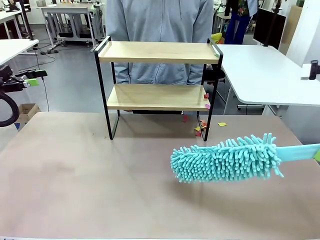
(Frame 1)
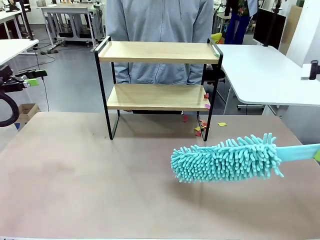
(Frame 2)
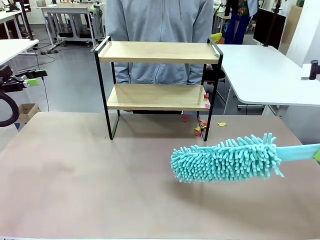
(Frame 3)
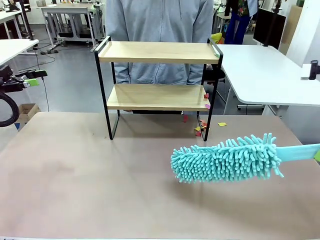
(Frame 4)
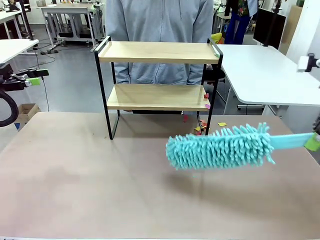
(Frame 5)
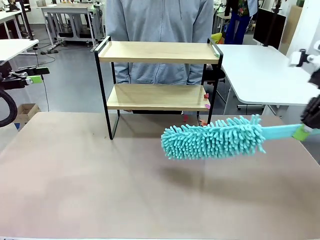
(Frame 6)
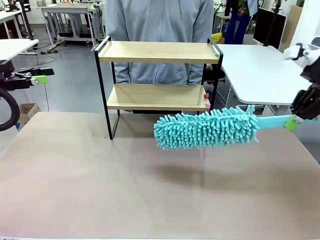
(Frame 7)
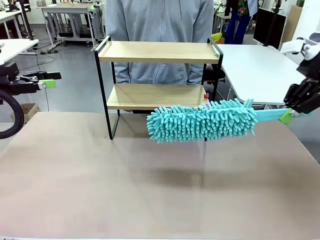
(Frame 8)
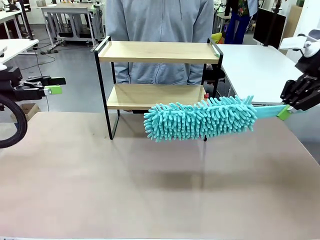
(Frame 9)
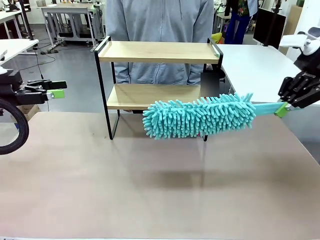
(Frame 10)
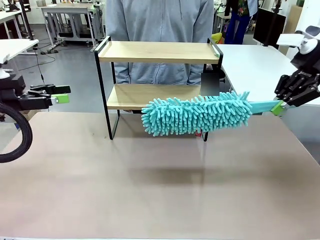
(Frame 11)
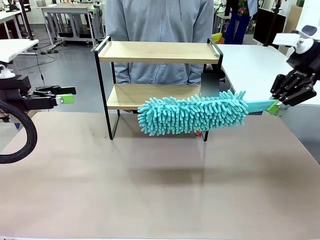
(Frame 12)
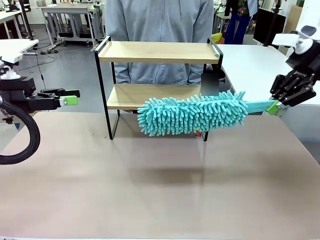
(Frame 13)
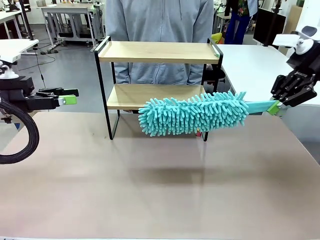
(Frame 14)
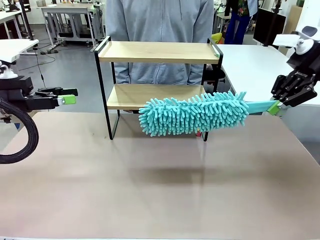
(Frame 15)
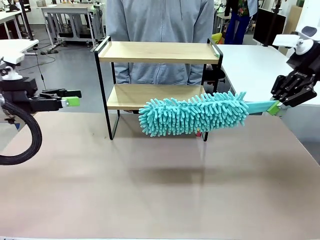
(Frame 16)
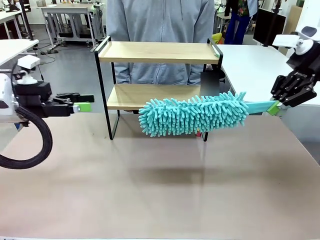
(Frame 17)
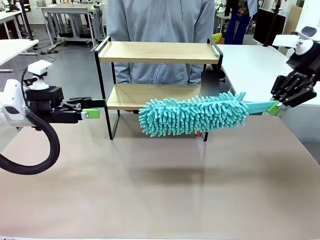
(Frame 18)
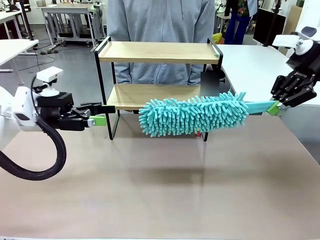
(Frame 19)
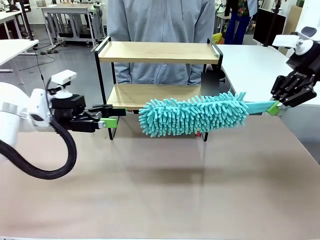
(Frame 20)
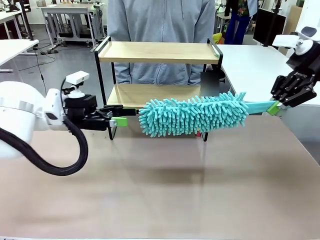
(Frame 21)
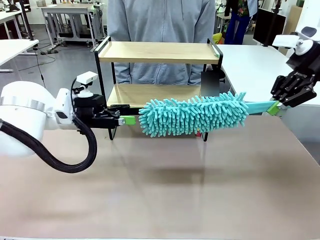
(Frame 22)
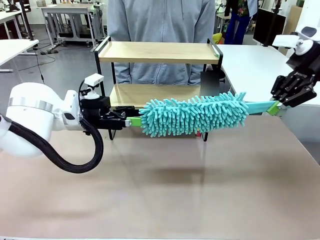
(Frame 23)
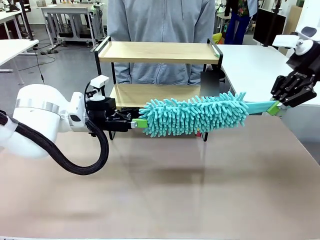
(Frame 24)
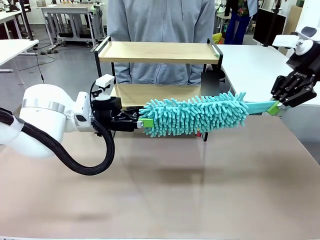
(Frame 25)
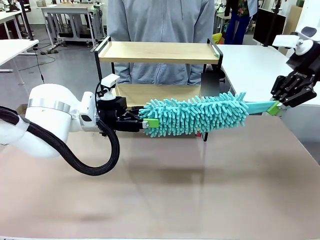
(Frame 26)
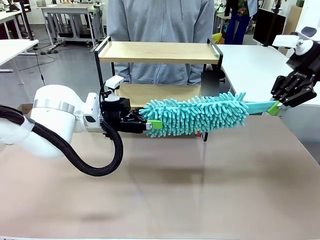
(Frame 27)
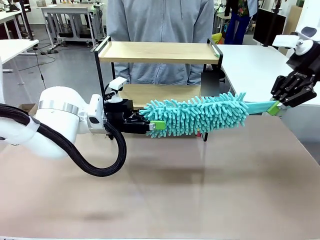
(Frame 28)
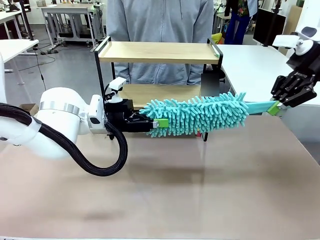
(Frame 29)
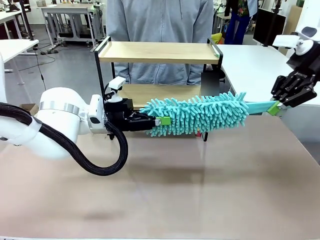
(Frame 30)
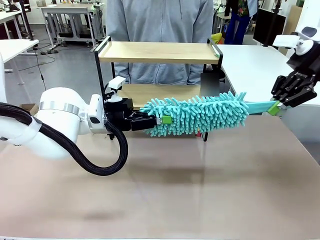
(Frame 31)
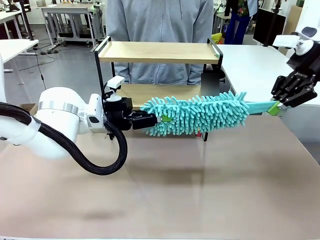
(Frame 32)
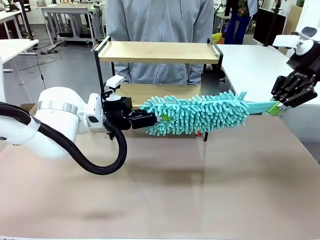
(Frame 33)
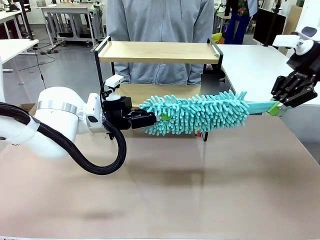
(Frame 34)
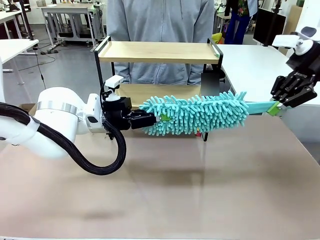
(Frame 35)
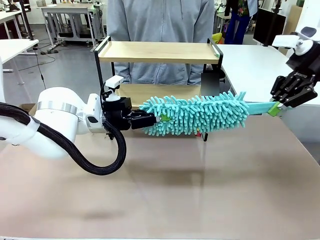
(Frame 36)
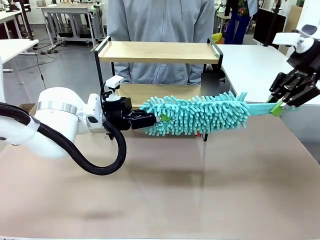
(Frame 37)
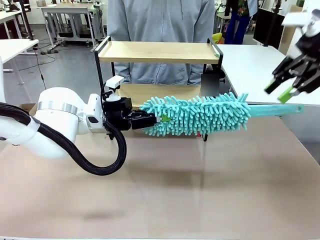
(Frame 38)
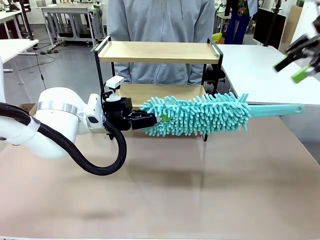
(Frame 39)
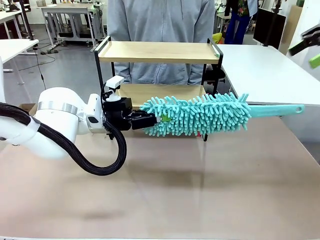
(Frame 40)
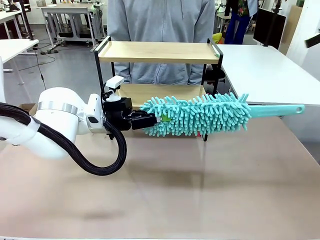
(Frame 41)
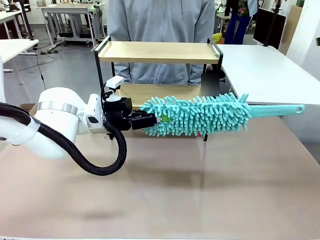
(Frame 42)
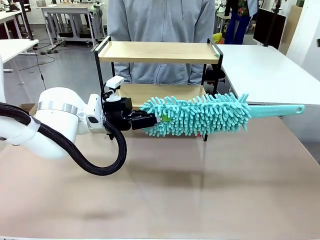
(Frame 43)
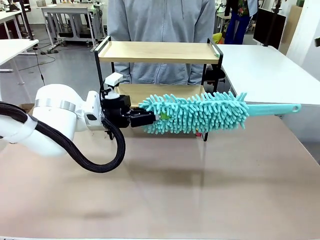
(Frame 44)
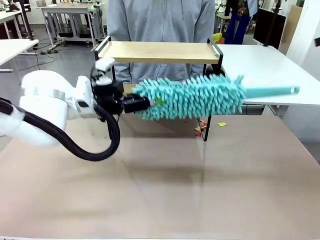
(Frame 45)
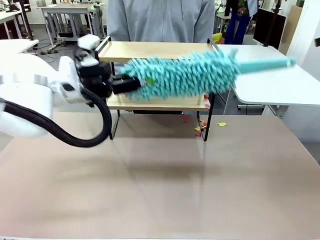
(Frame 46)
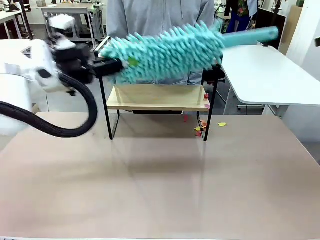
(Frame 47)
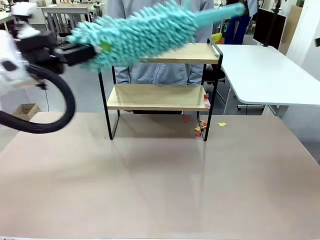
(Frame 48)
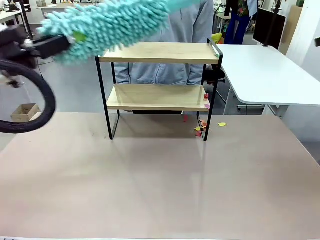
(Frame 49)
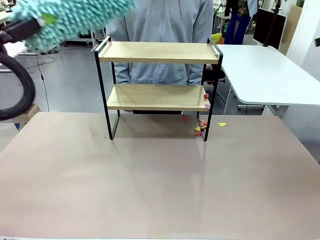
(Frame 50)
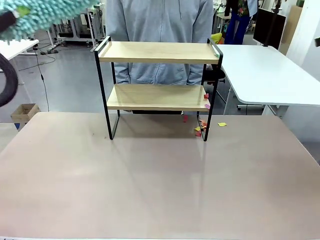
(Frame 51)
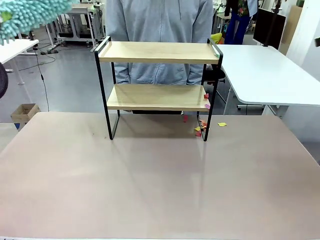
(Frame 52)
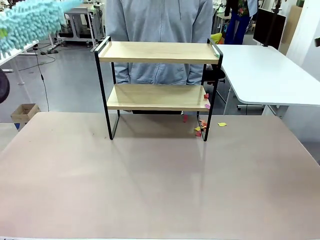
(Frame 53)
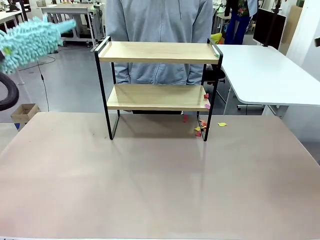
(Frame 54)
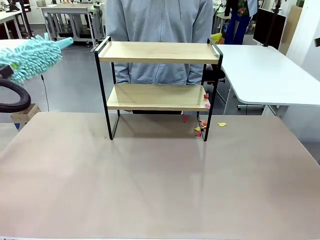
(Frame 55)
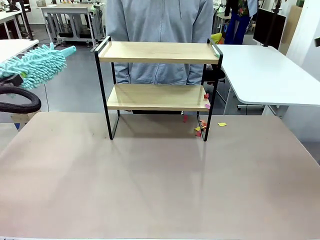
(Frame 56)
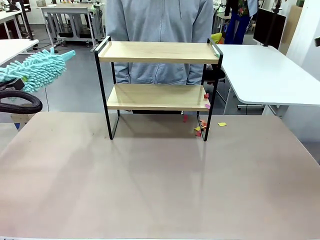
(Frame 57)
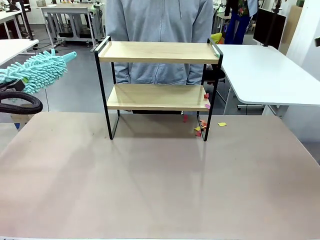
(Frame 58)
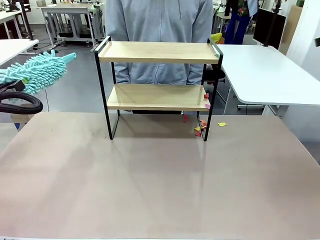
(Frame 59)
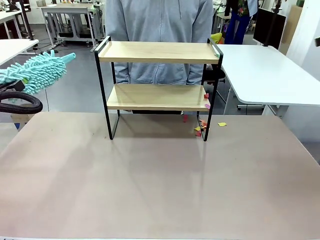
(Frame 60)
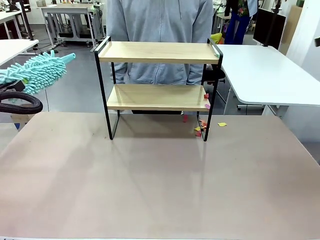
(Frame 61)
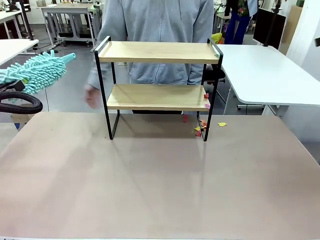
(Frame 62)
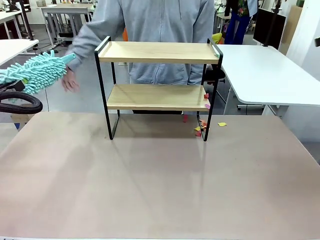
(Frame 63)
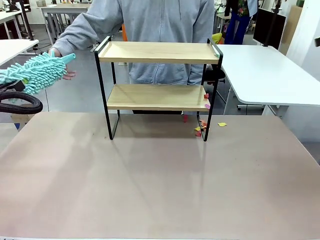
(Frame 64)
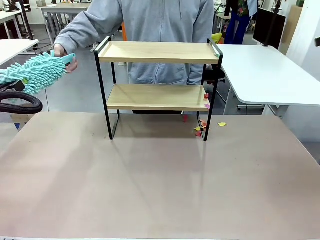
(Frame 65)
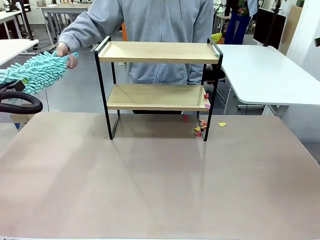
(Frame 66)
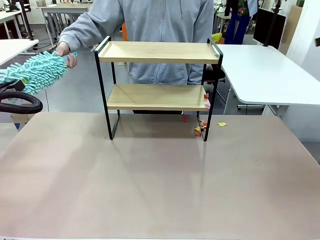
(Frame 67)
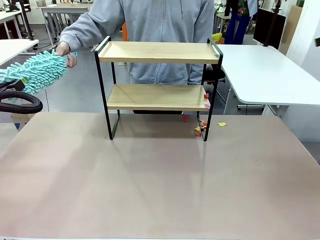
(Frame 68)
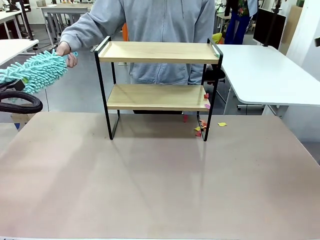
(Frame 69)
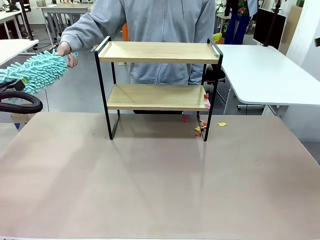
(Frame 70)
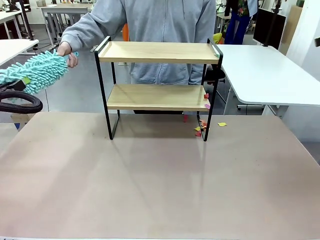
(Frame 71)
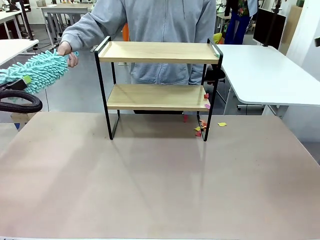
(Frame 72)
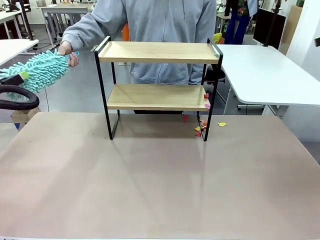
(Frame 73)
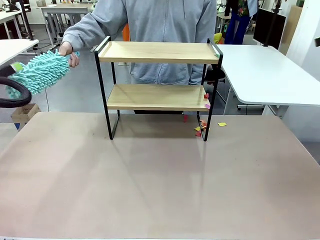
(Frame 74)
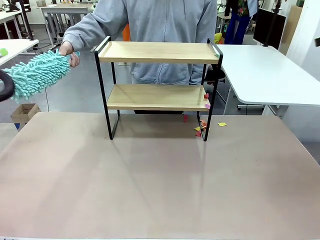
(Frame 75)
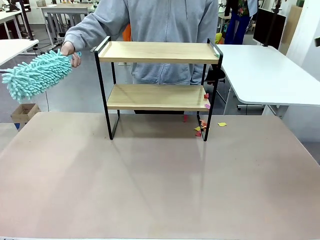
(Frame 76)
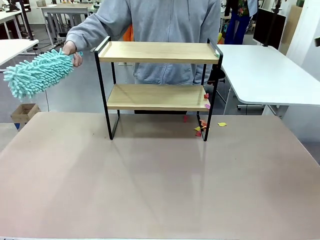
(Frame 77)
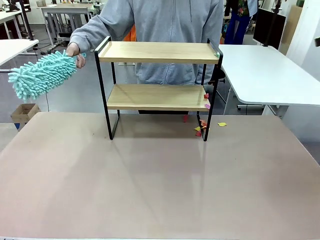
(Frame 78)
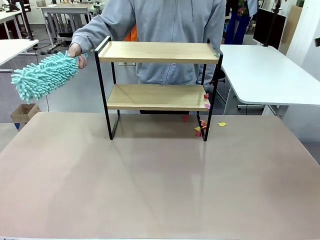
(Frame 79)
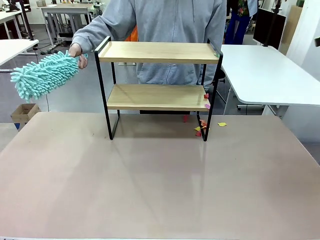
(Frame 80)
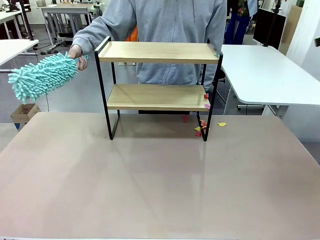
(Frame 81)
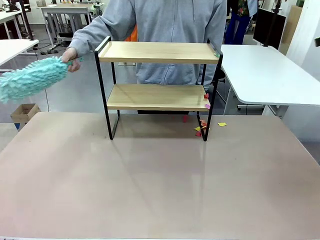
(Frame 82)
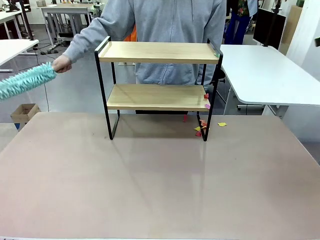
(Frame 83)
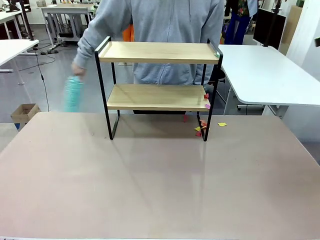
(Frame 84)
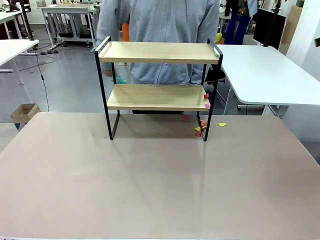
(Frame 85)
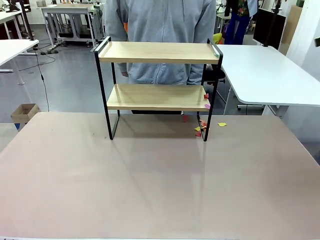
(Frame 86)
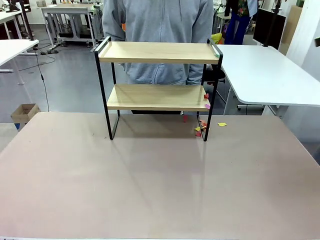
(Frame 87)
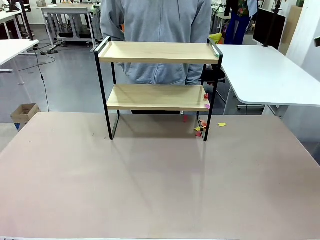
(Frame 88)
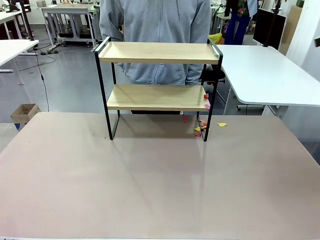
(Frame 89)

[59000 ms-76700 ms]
Task: Clean the shelf.
Robot: Hand the Duster back to the human.
Person: Receive the Duster from the robot.
